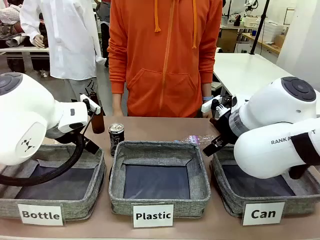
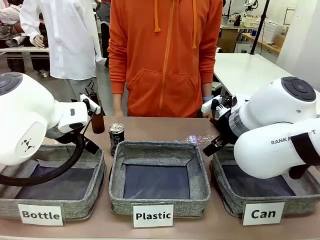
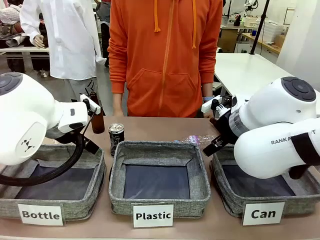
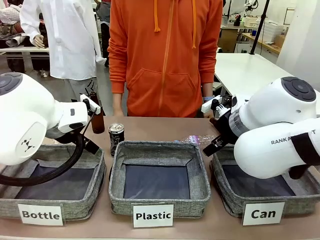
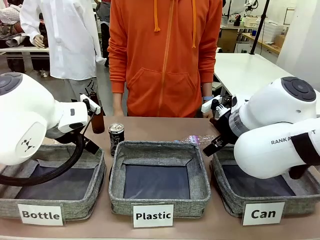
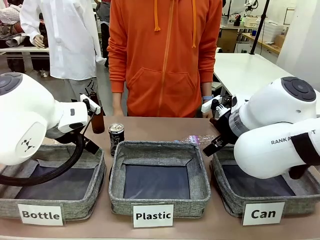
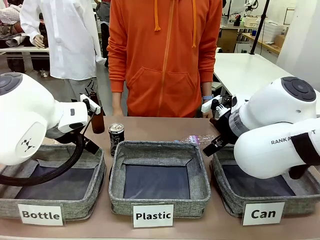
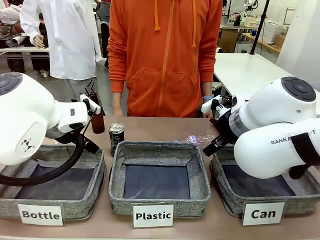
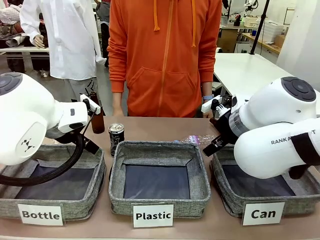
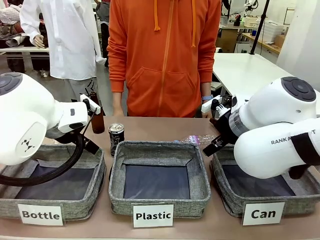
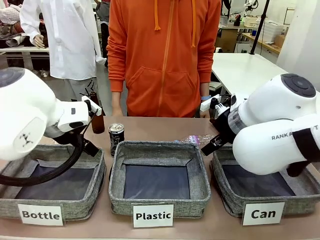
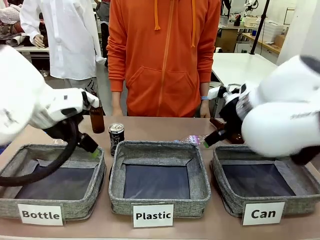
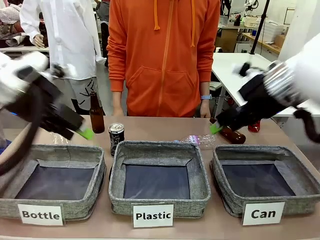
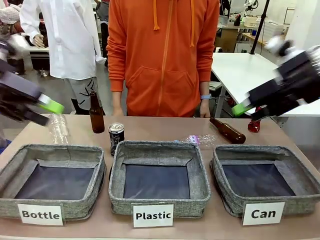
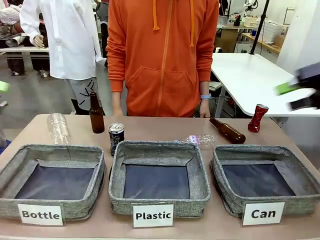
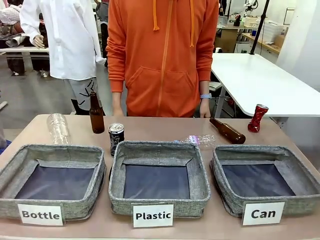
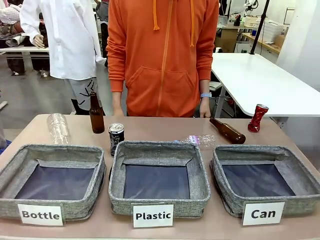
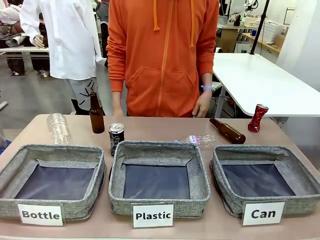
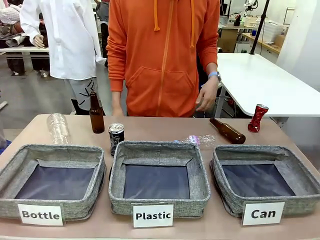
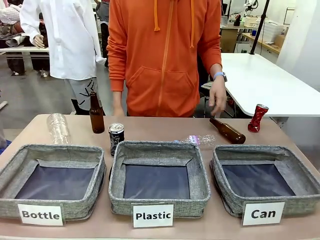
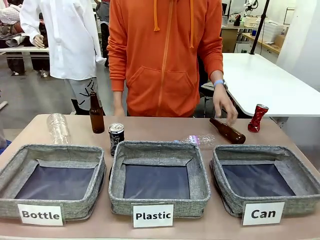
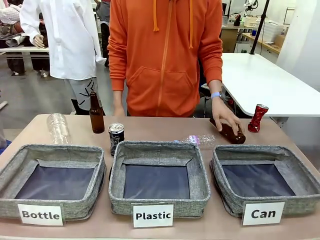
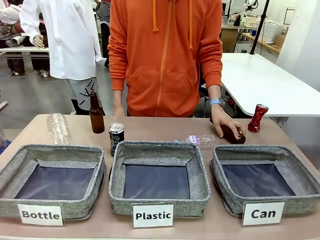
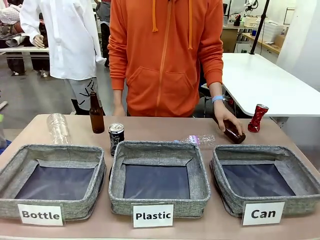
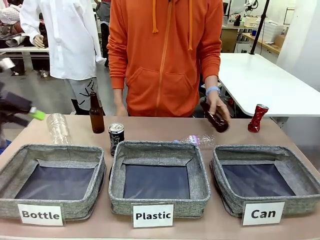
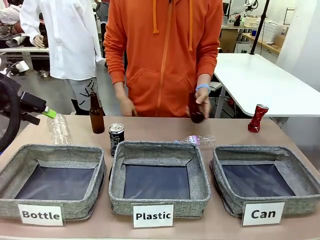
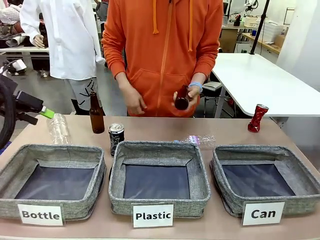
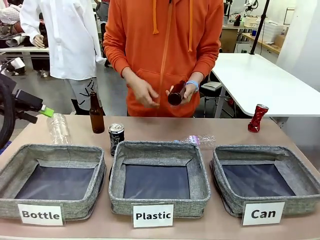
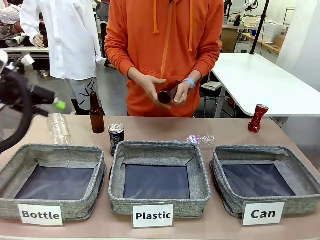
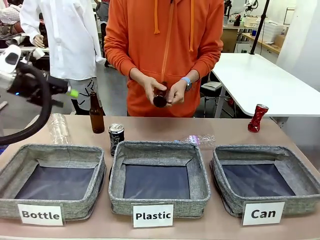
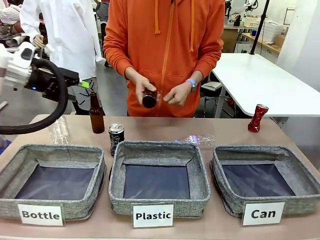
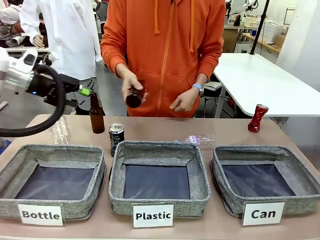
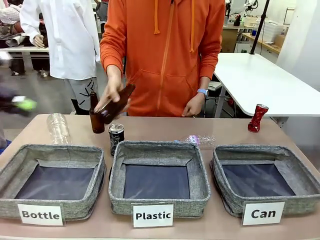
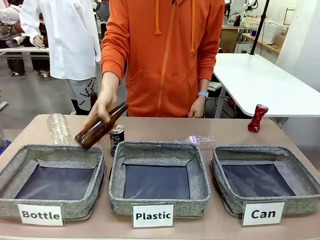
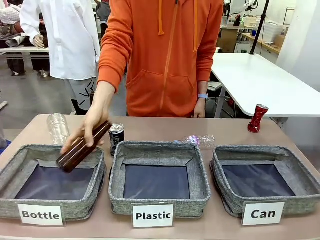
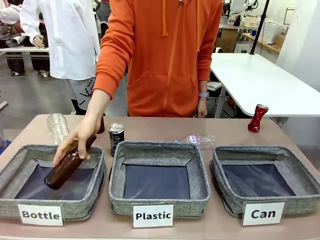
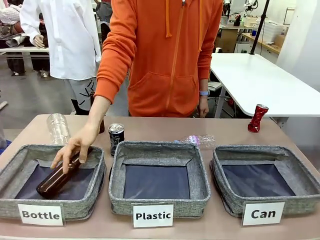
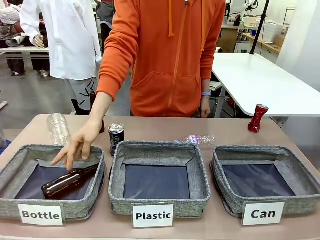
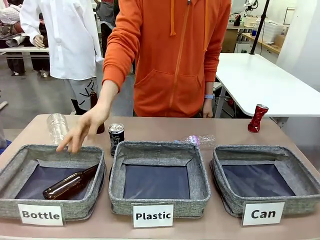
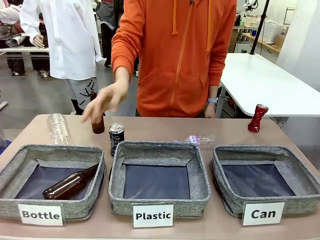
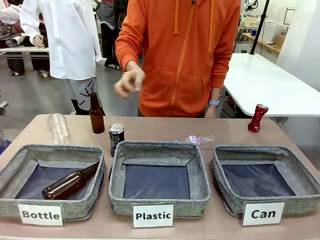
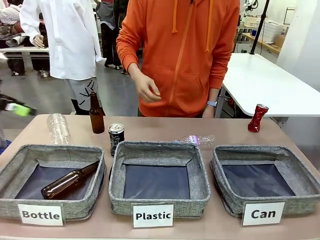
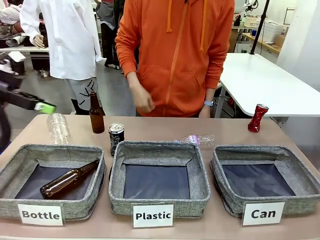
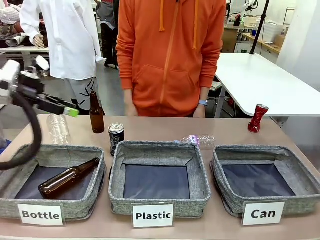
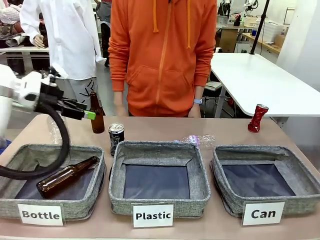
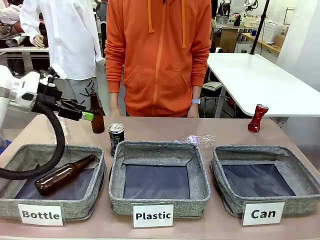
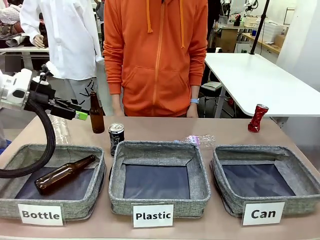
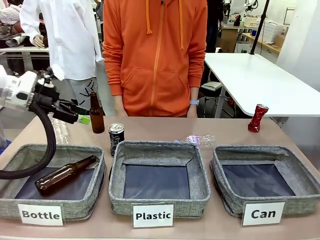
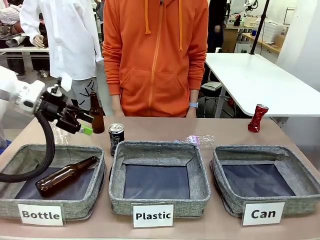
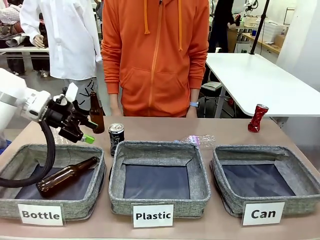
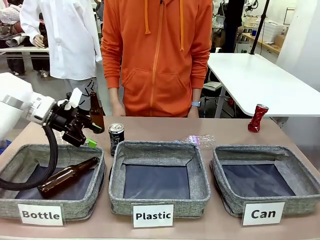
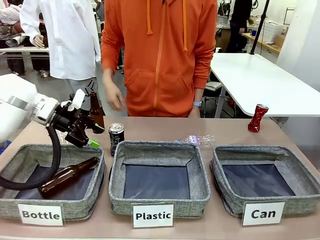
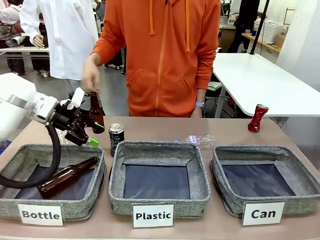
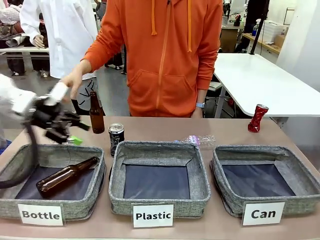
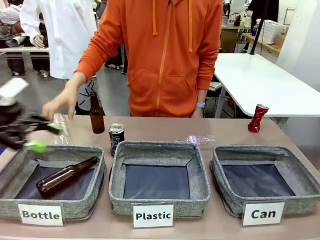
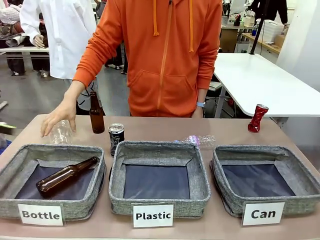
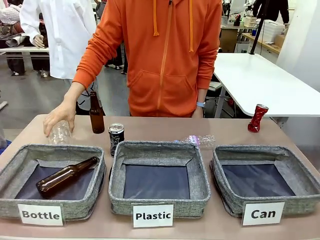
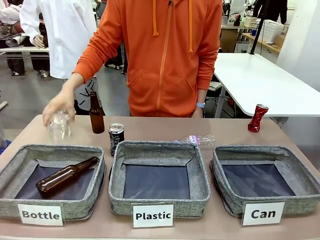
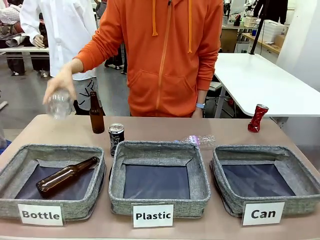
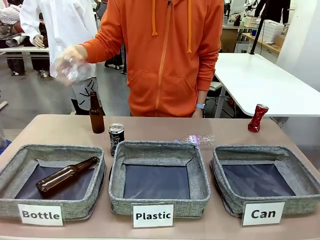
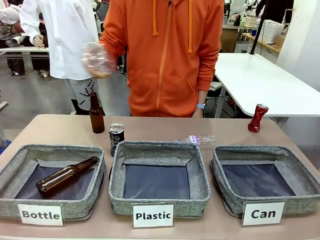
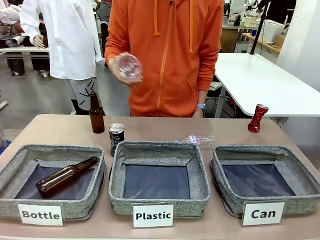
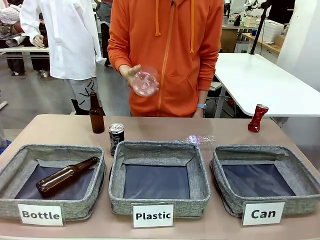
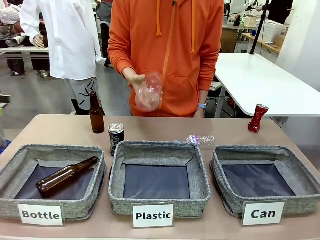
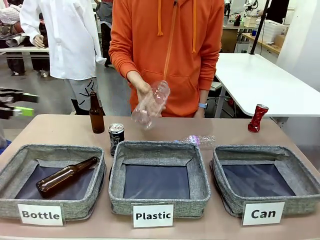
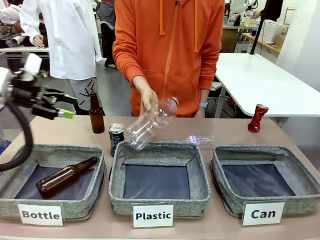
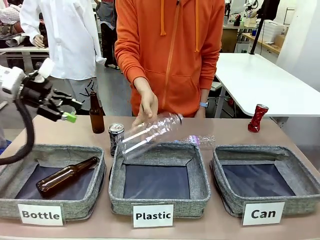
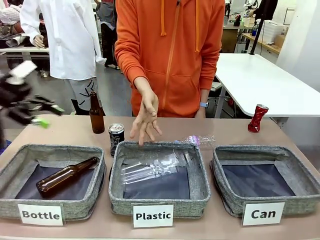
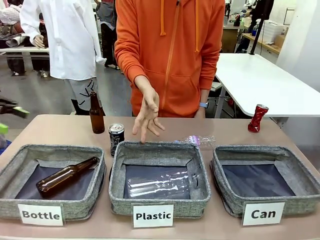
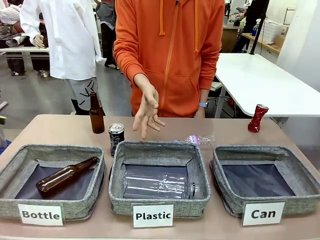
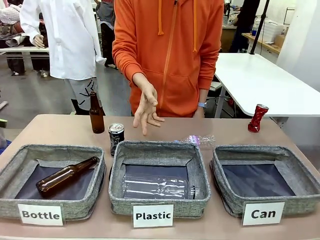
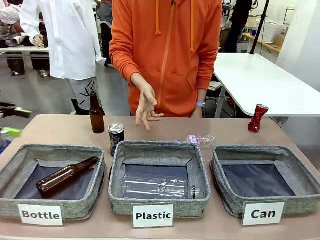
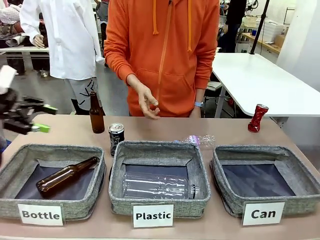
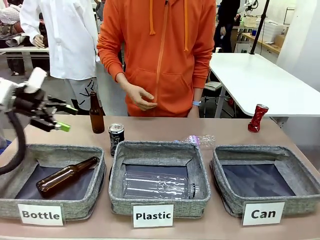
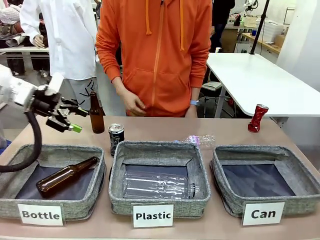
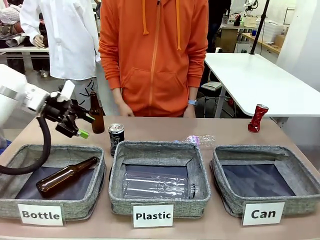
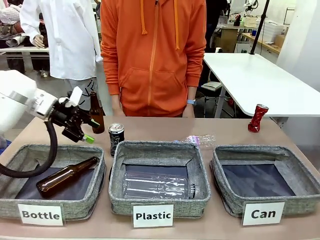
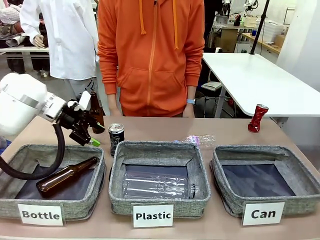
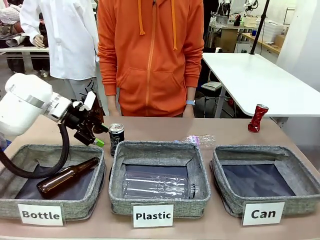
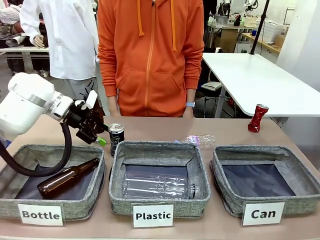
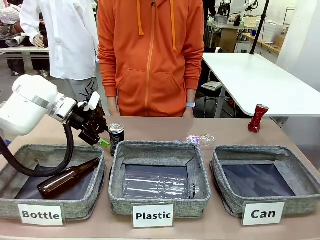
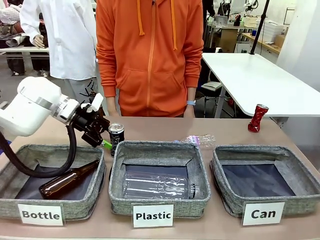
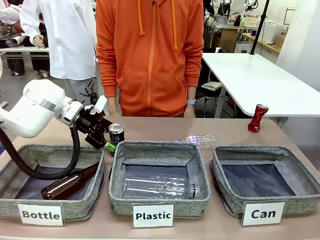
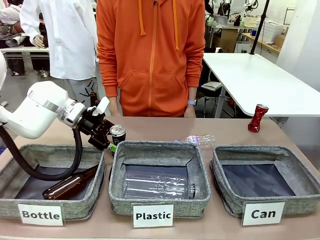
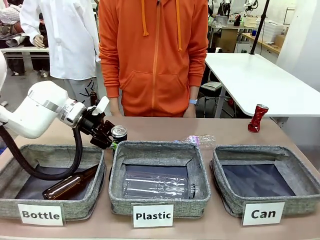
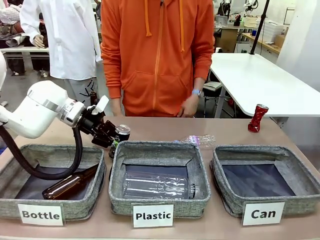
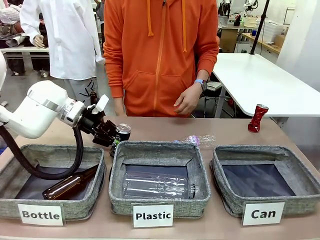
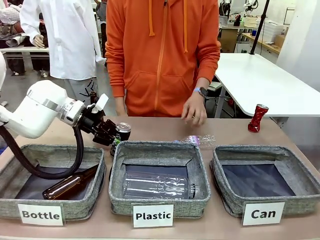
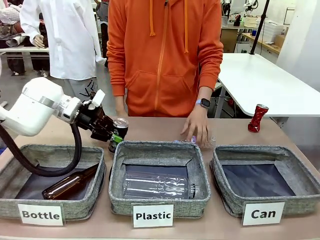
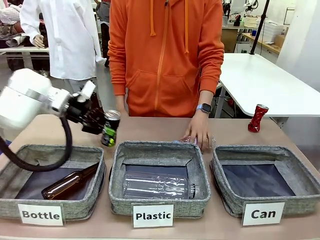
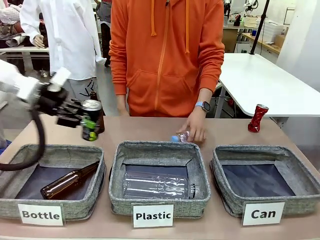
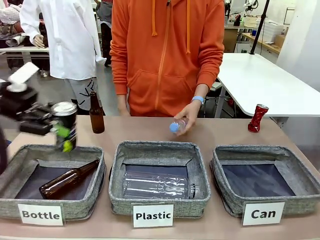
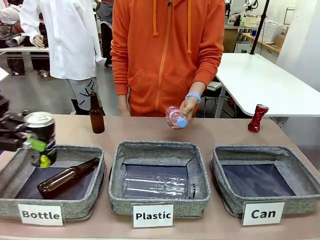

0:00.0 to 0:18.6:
Task: Sort the can waste into the basket.
Robot: Pick up the can waste from the table and place it in the right Fabric basket.
